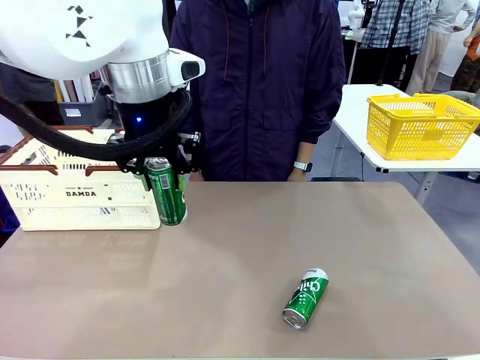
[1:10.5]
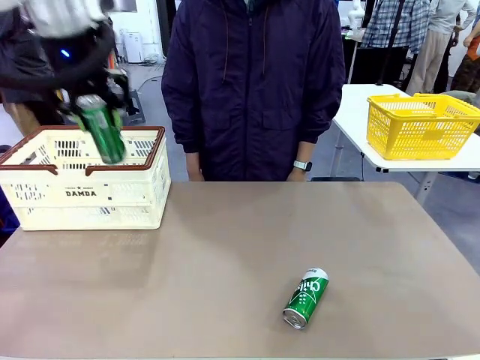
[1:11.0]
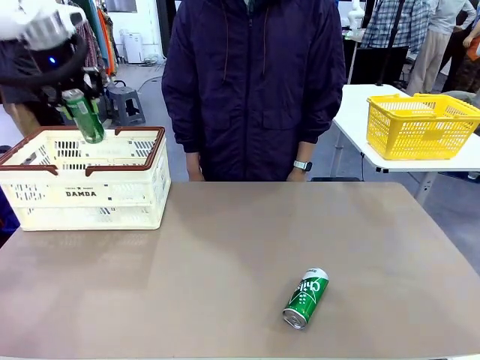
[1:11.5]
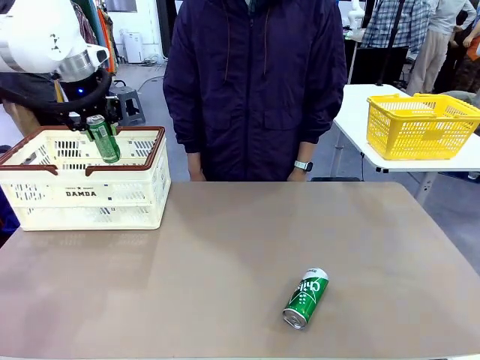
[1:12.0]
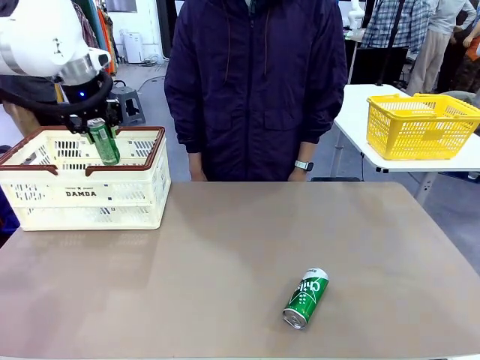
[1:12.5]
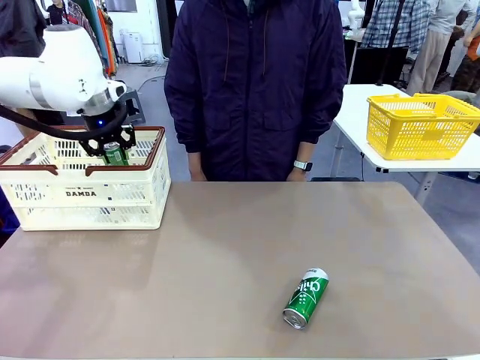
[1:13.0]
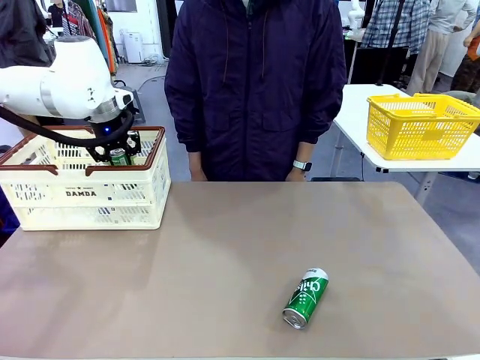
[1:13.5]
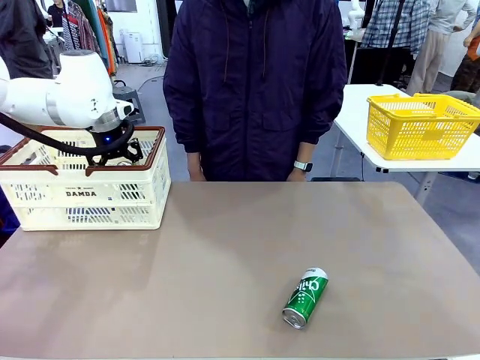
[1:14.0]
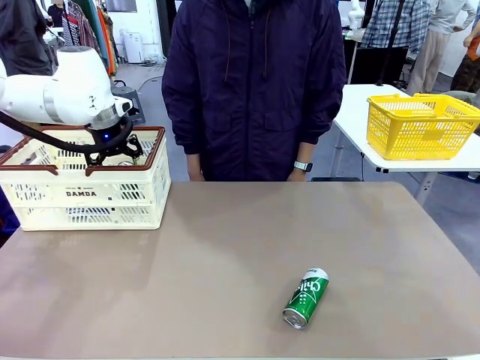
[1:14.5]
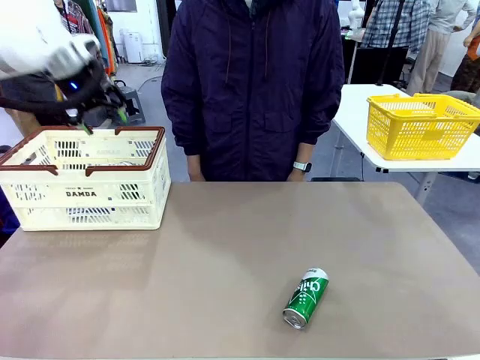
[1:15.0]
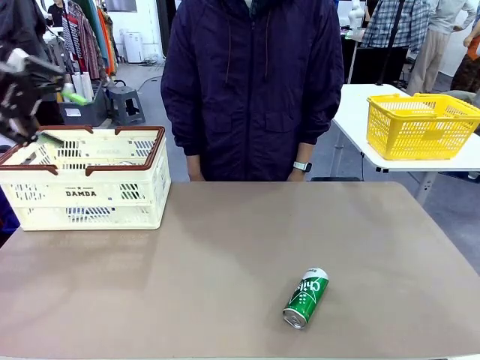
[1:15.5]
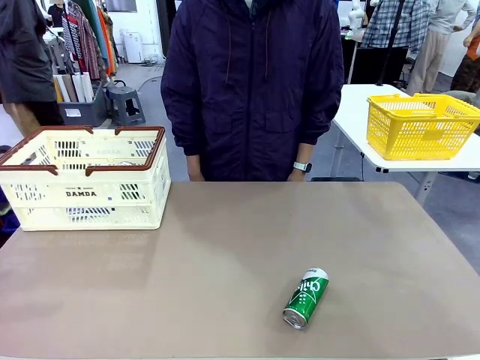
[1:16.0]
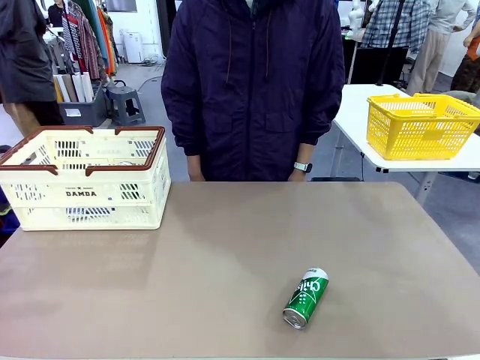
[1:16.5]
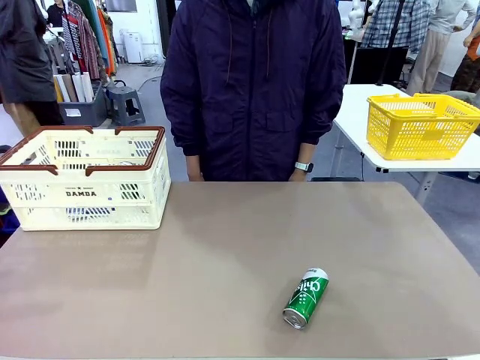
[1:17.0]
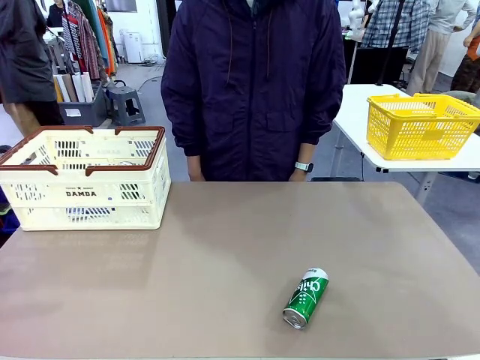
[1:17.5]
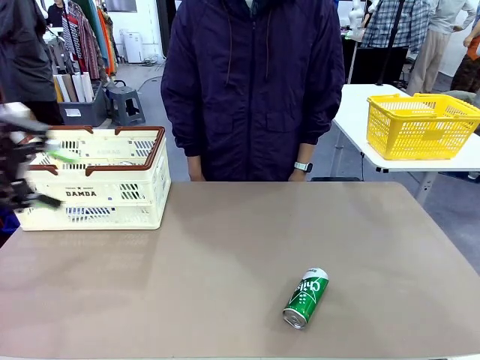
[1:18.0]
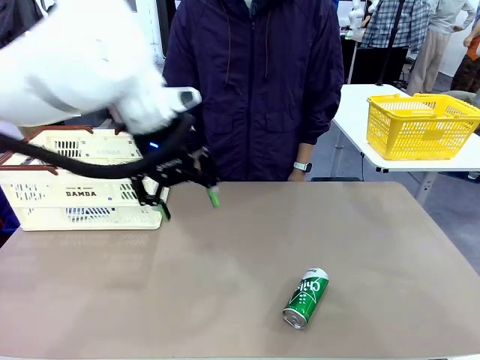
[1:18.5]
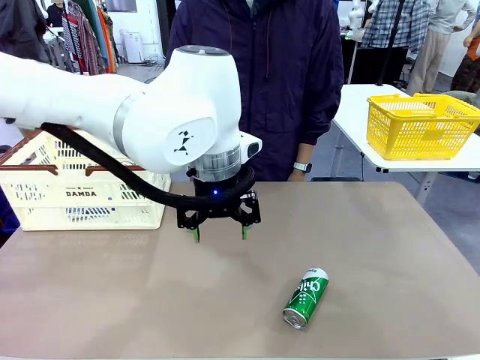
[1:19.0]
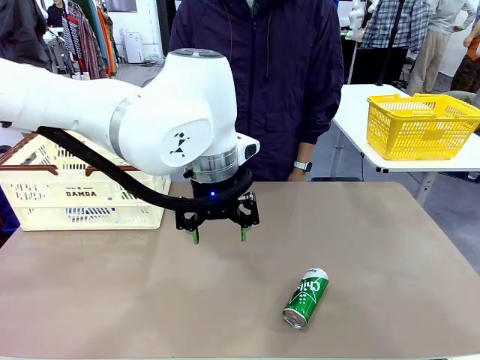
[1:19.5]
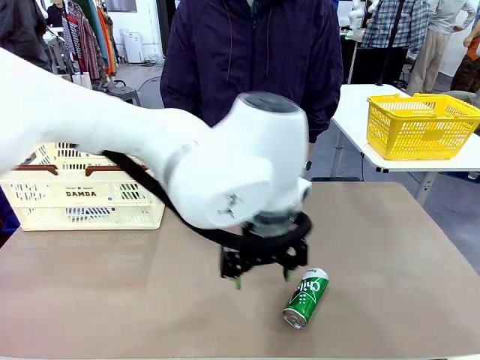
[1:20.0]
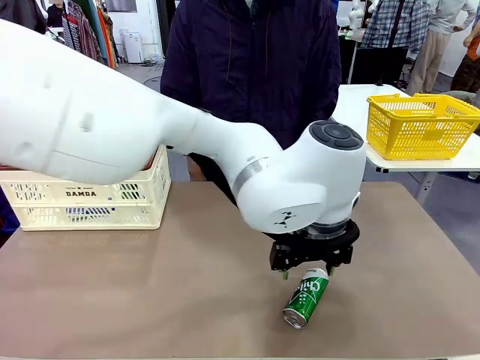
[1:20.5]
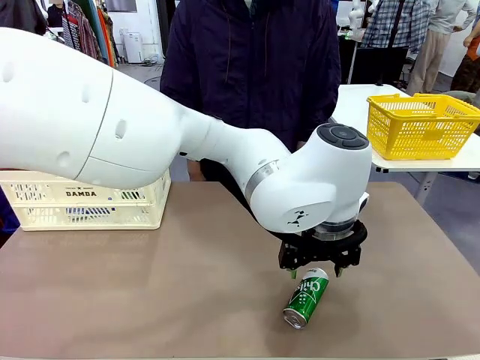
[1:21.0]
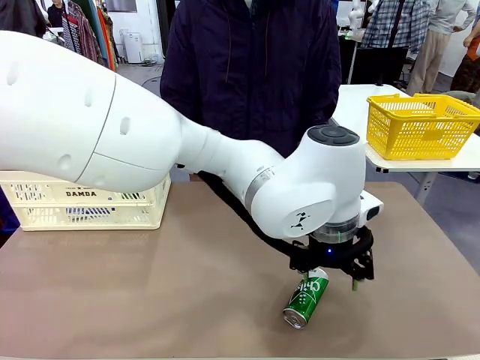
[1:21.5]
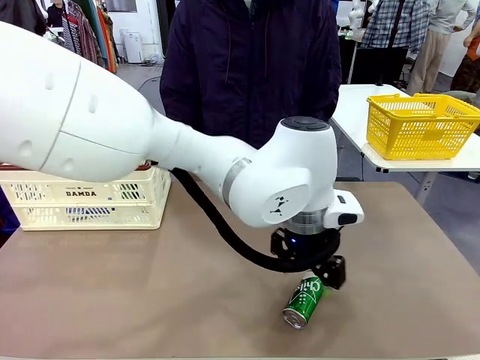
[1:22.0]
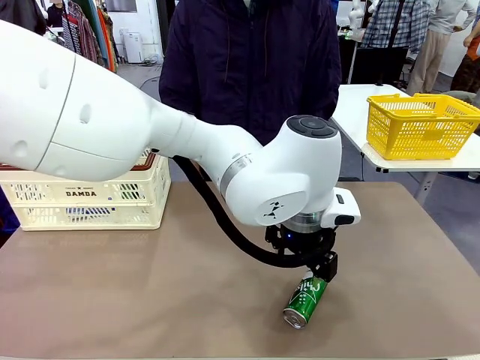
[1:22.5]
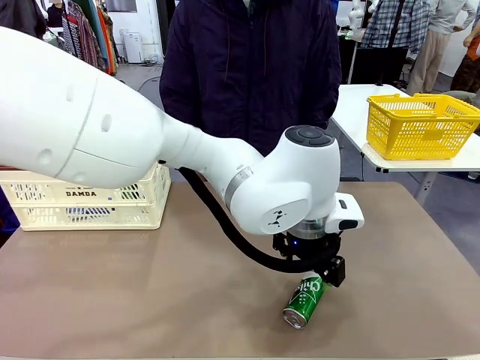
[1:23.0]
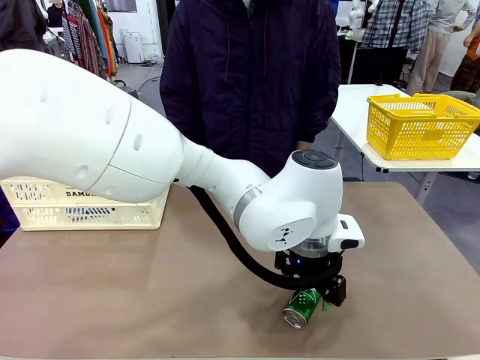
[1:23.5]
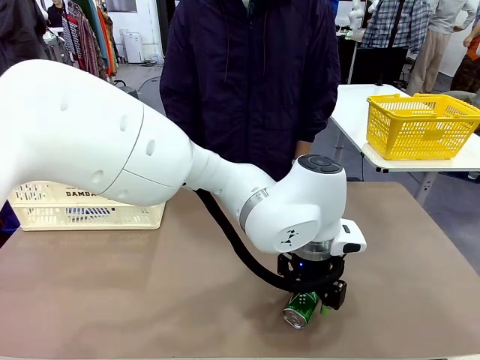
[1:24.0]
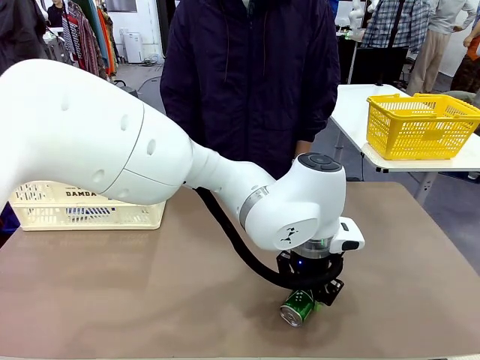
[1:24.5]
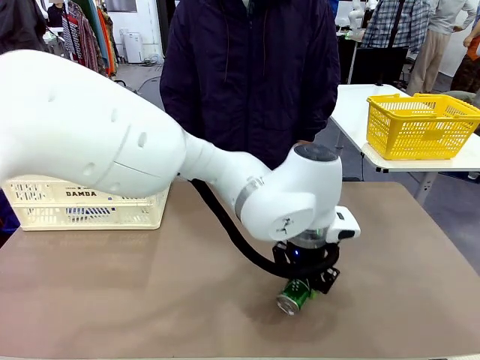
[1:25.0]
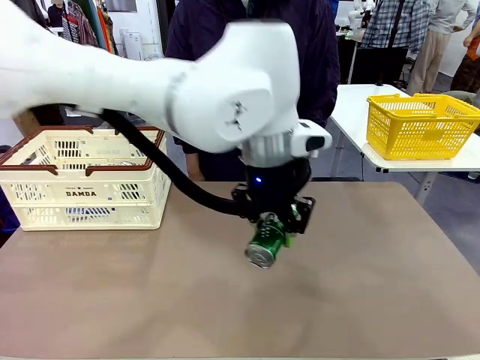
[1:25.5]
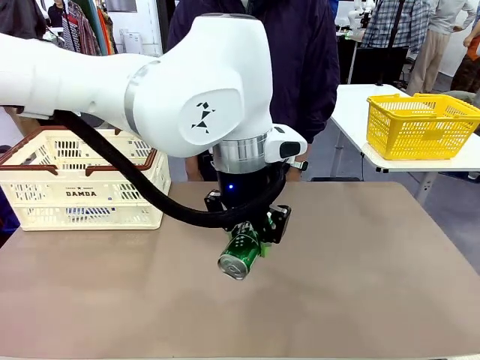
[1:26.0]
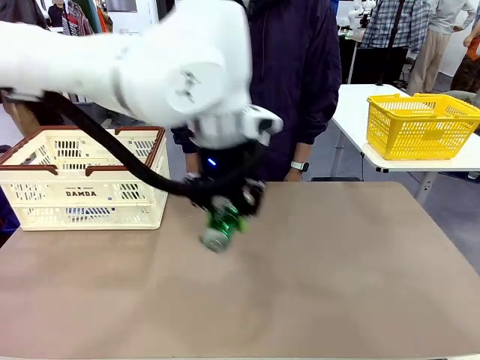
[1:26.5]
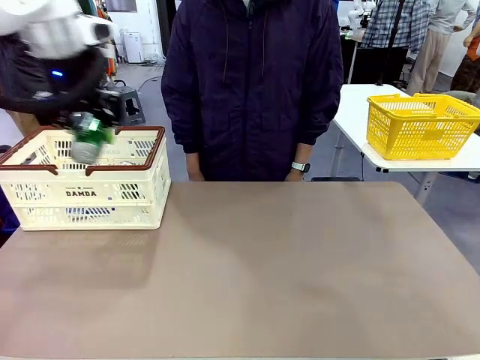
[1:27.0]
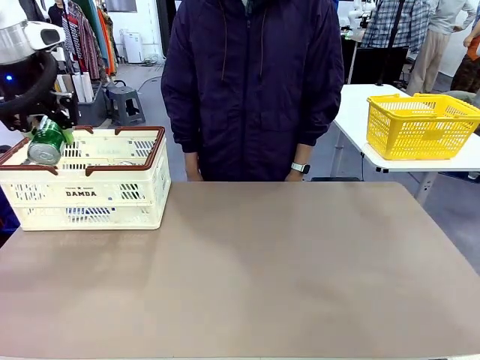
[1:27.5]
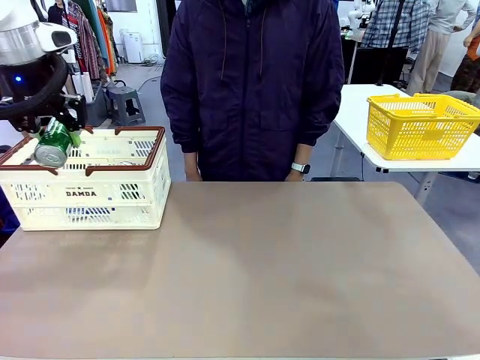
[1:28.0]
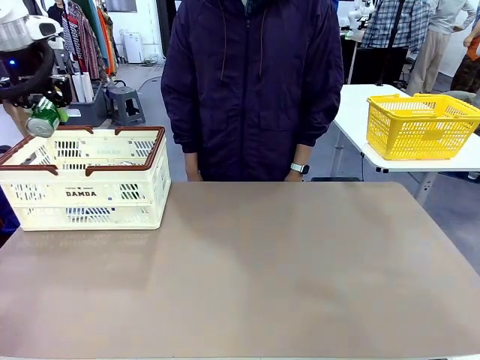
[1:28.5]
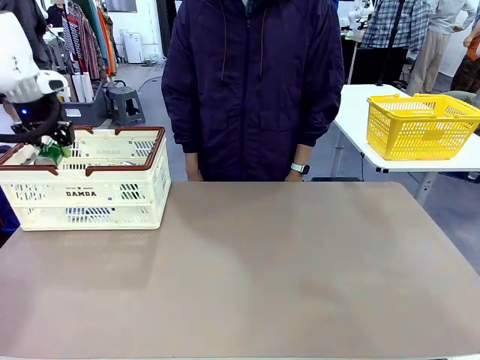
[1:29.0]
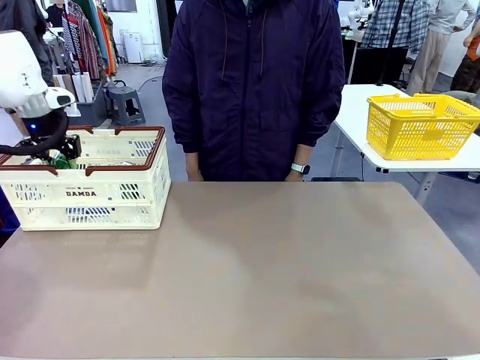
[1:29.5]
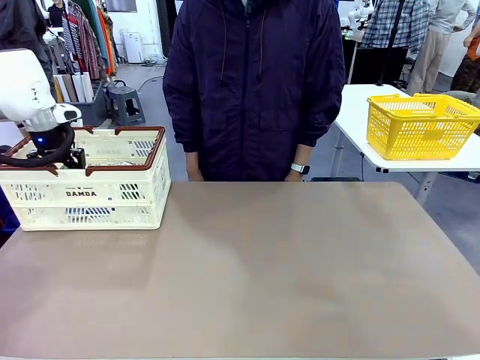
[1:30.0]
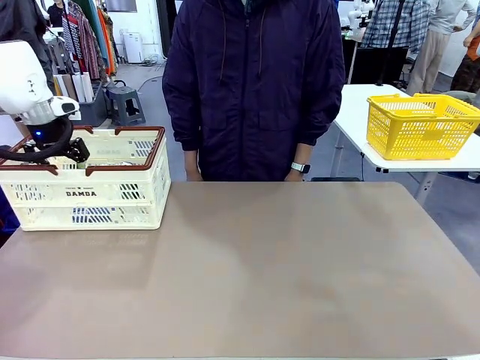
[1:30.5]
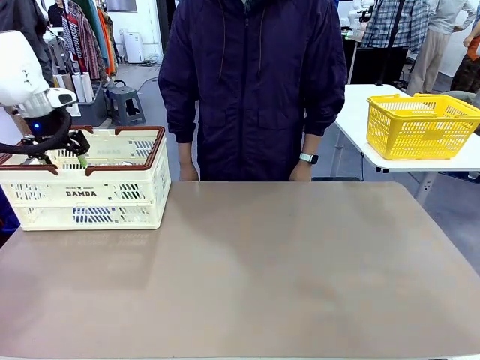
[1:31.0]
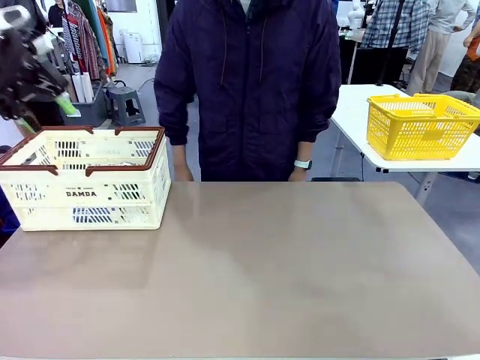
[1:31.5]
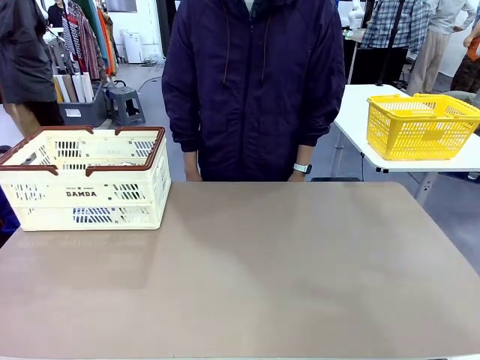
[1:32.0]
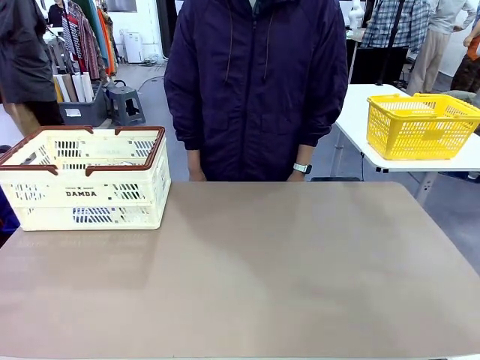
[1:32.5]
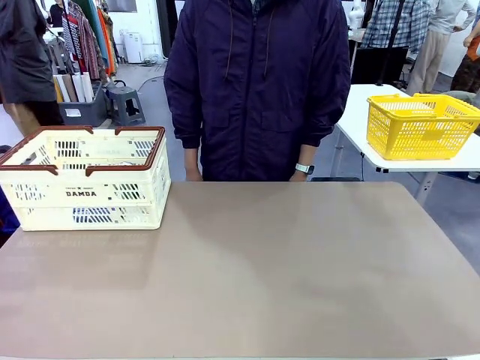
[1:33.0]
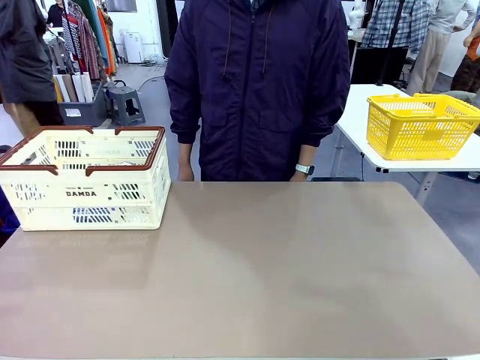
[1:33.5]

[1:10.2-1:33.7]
Task: Place the drinks into the Shopping basket.
Robot: Pick up one drink and place it into the Shopping basket.
